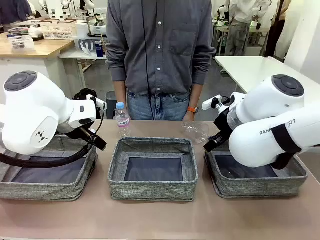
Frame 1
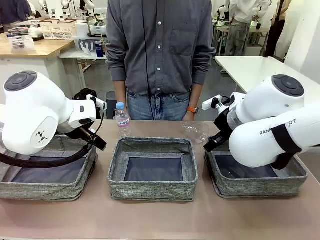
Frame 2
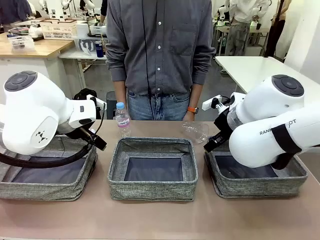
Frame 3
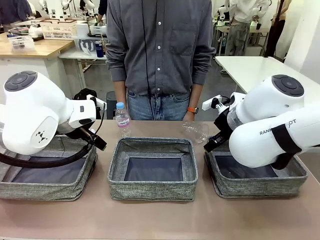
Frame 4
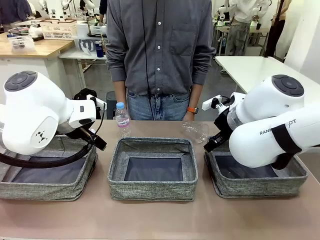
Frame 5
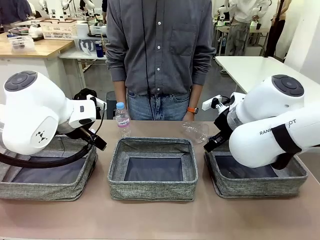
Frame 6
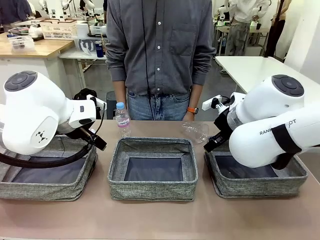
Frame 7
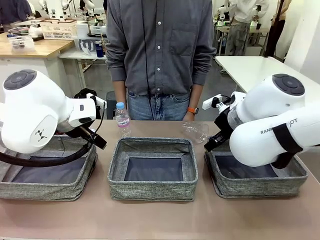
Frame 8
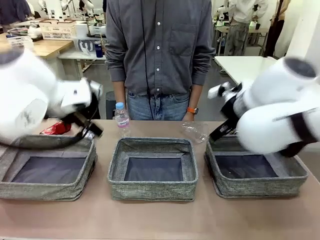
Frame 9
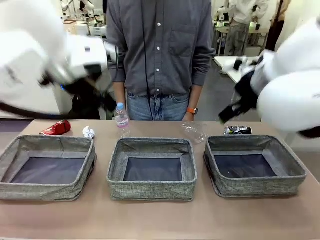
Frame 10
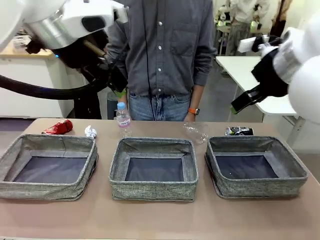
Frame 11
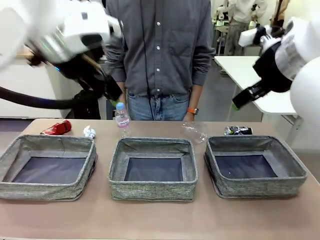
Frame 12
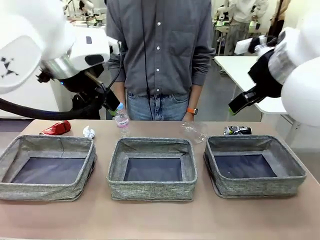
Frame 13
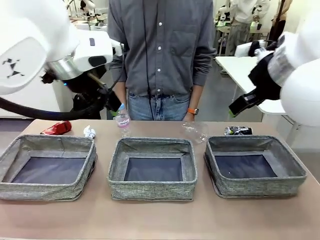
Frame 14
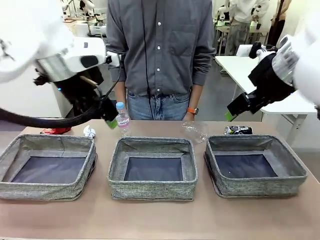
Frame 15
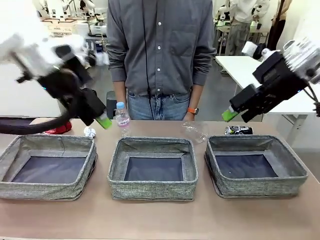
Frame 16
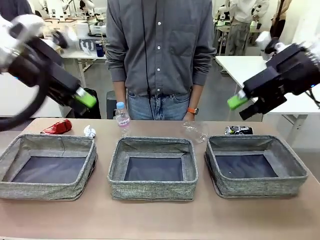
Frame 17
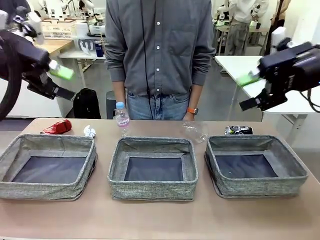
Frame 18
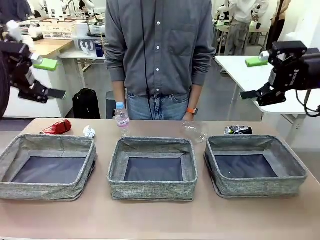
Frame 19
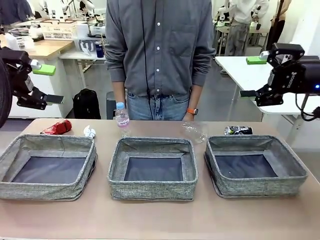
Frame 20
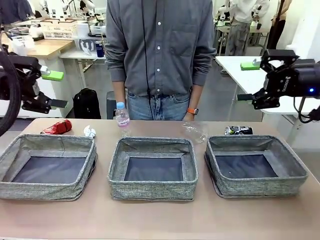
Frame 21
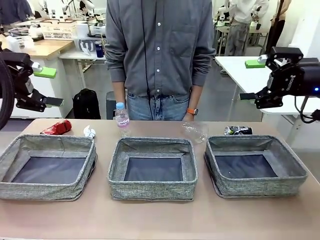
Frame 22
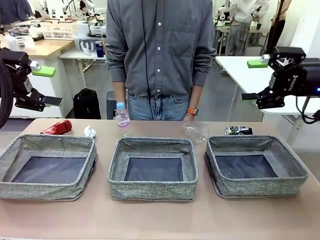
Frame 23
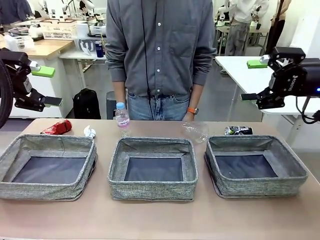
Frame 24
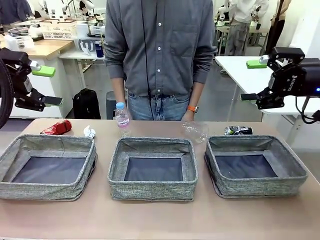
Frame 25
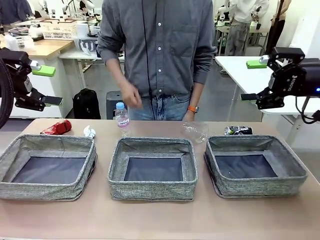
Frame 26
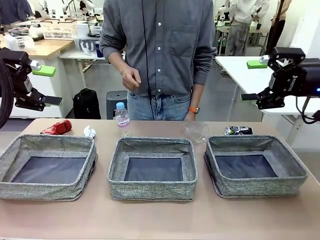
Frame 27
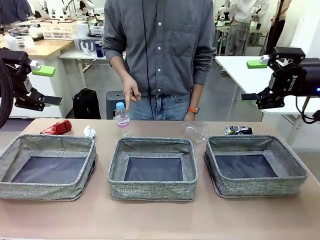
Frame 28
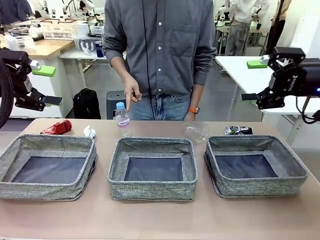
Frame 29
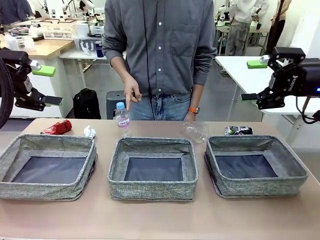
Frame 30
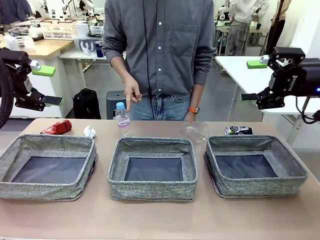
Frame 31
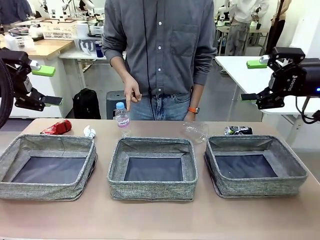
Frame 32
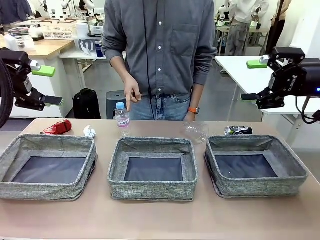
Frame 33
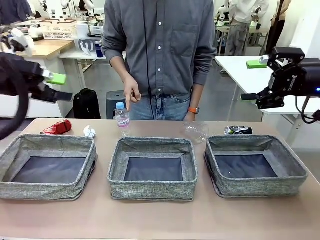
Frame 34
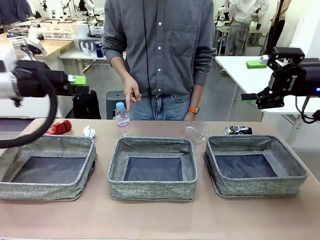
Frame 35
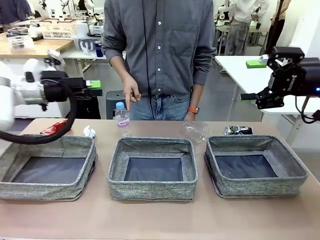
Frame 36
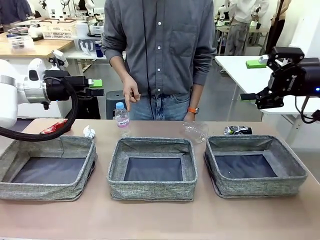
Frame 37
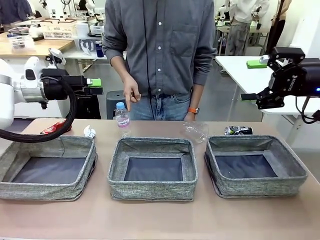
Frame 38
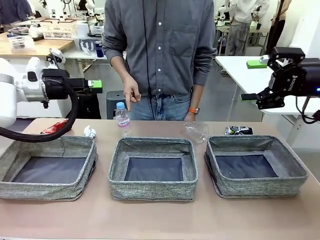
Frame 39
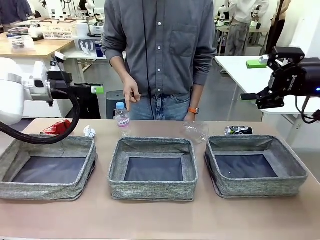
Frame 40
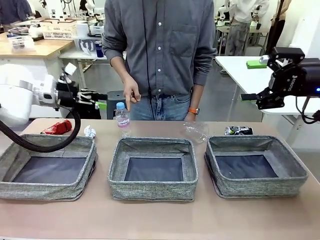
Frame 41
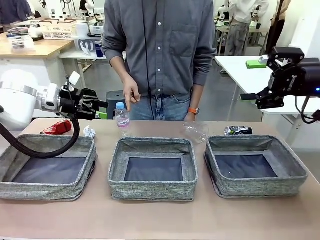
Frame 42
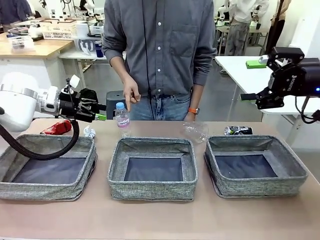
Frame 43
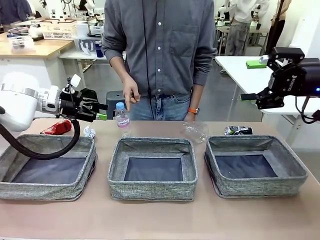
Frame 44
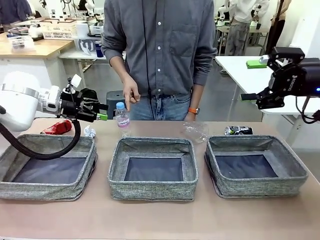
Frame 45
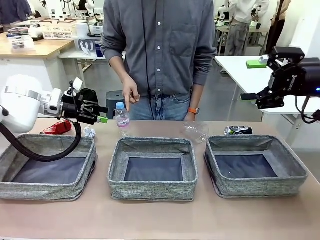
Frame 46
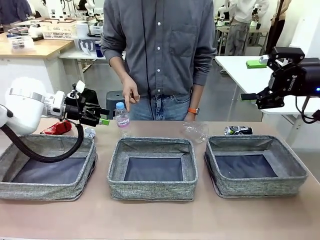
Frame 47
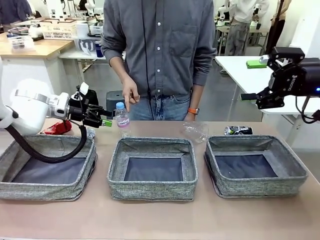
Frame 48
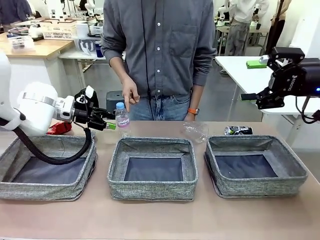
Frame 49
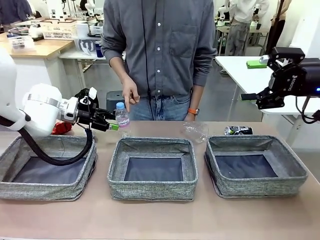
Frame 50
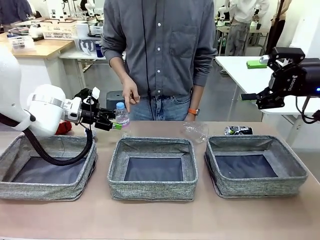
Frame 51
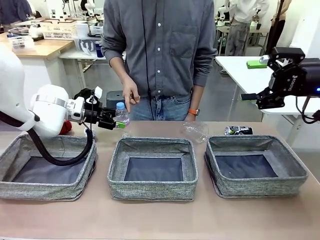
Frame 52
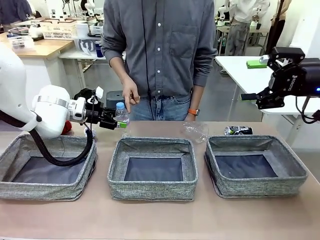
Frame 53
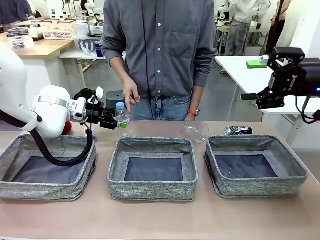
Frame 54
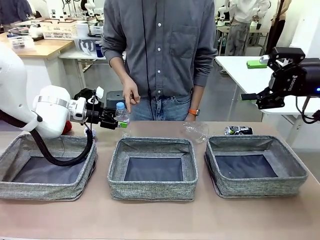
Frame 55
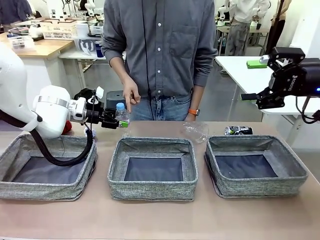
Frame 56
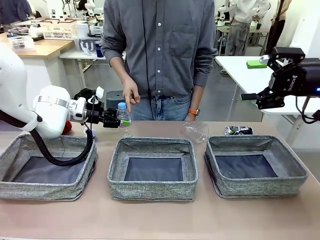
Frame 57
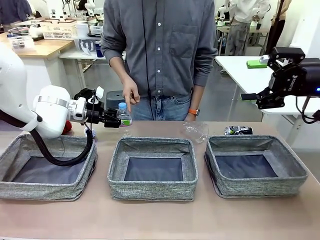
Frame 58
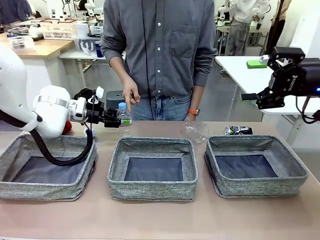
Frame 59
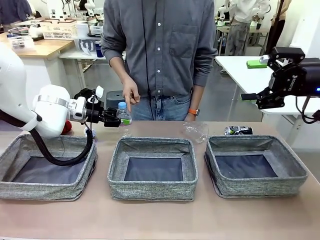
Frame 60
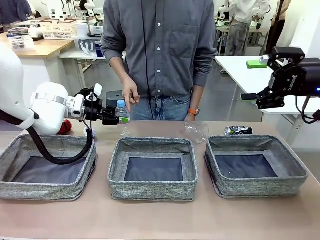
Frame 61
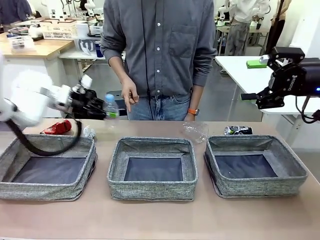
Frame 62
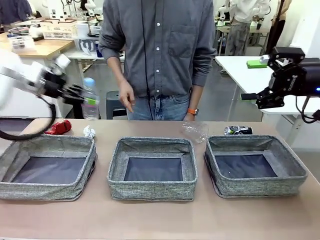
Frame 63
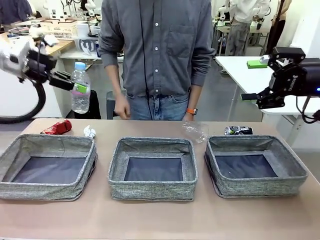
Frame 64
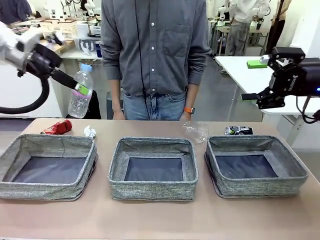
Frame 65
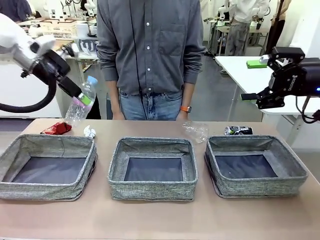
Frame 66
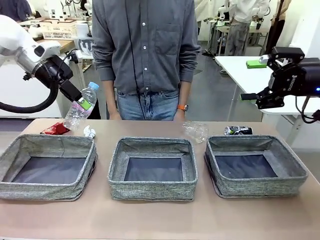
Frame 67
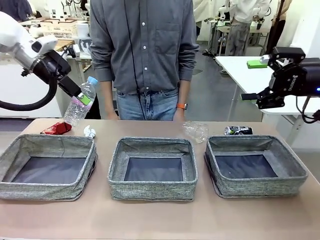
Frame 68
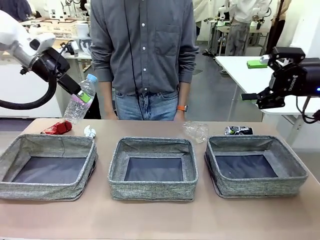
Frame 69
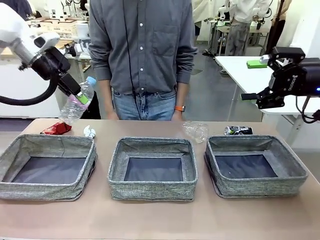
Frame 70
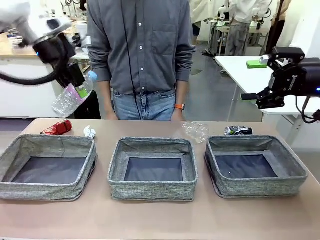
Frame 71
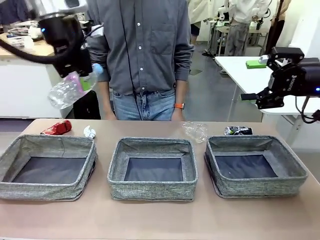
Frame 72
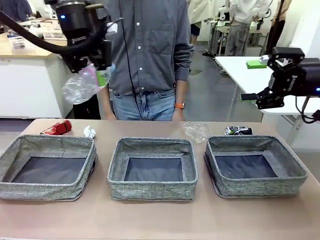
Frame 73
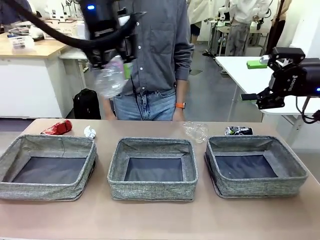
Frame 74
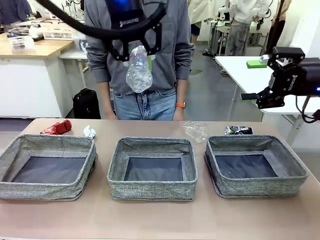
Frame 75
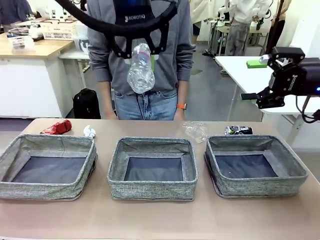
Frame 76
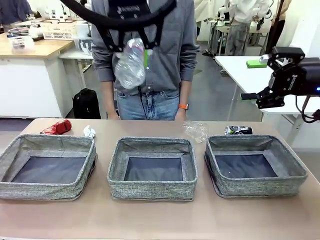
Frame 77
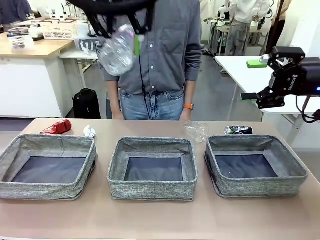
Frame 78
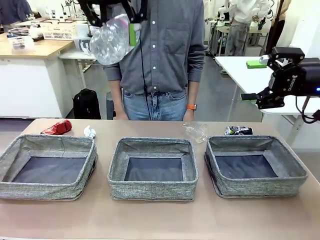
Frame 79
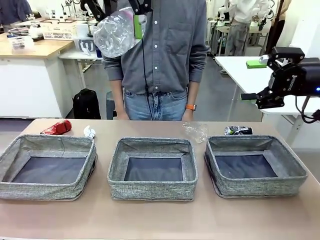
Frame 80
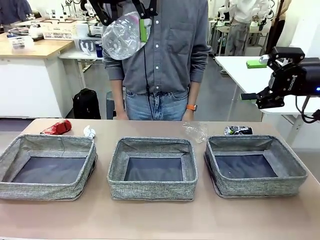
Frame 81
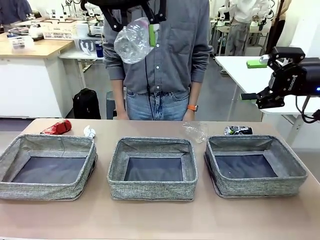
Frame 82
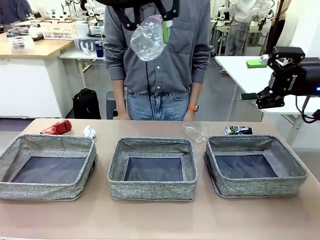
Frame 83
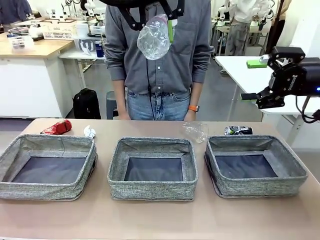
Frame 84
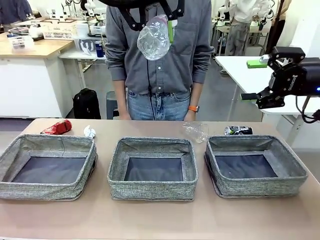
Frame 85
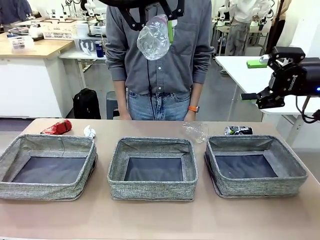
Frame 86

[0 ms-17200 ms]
Task: Sort the waste into the appropriate baskets.
Robot: Pick up the waste item pointed out by the person.
Person: Points to one piece of trash on the table.

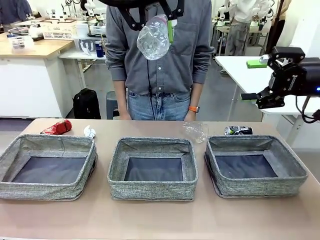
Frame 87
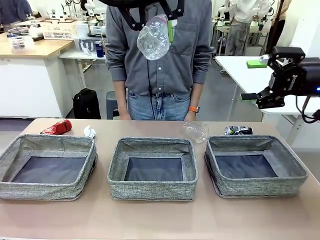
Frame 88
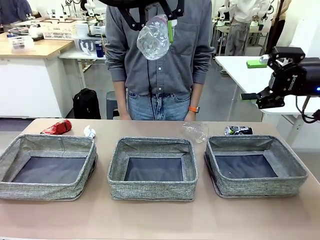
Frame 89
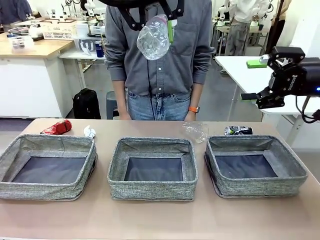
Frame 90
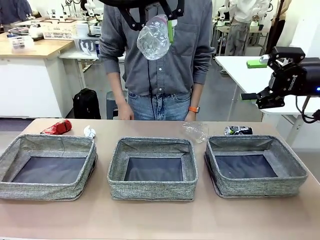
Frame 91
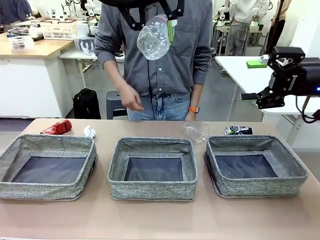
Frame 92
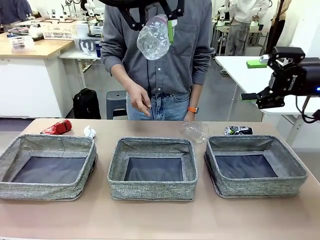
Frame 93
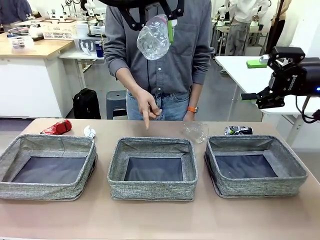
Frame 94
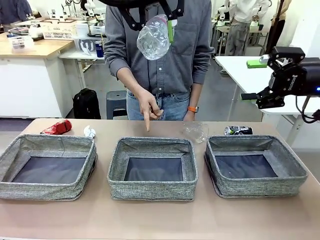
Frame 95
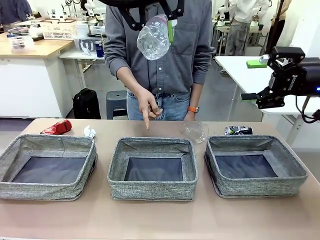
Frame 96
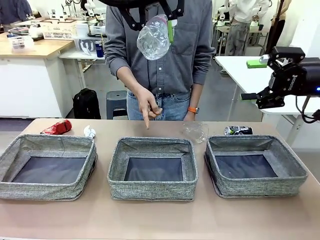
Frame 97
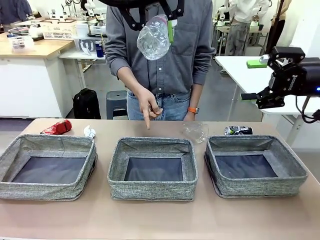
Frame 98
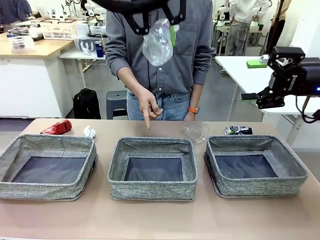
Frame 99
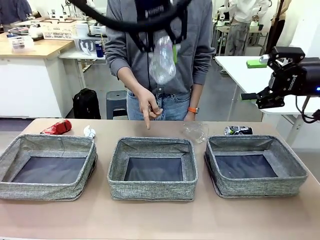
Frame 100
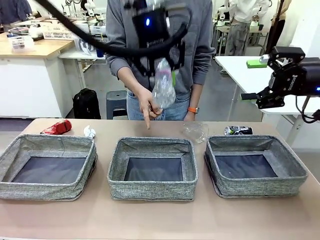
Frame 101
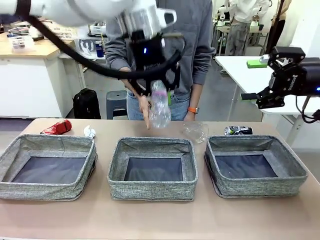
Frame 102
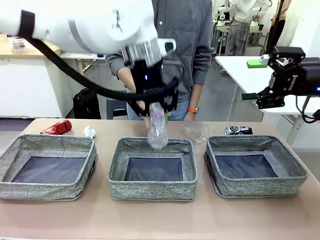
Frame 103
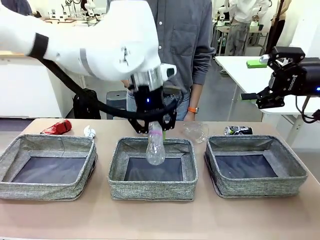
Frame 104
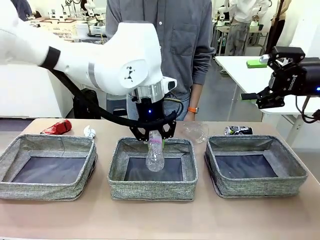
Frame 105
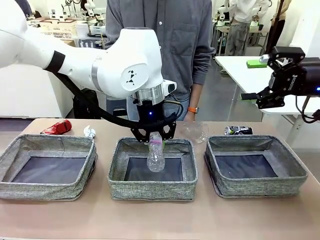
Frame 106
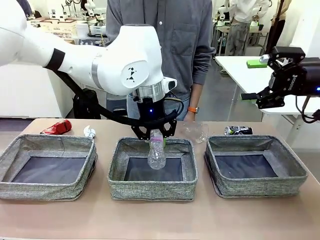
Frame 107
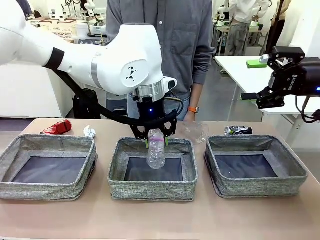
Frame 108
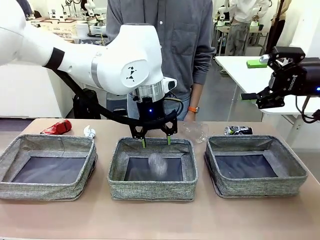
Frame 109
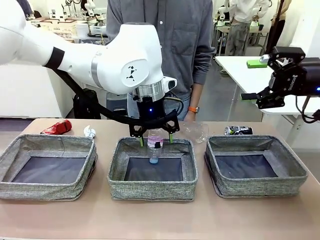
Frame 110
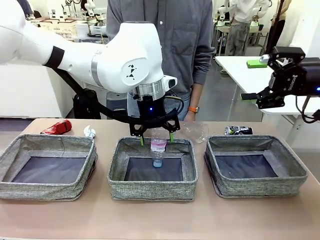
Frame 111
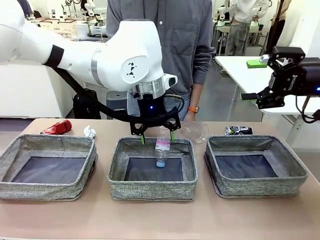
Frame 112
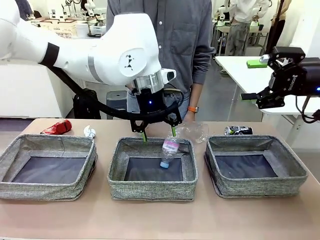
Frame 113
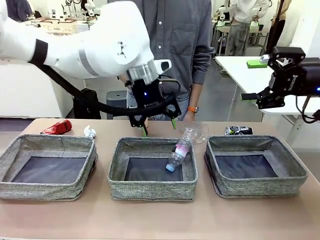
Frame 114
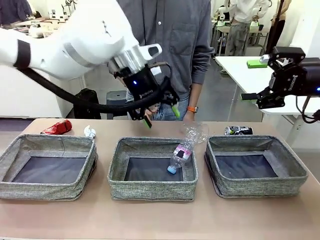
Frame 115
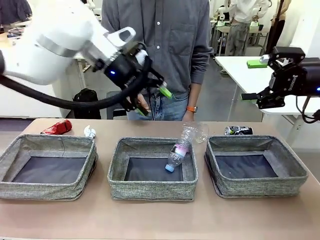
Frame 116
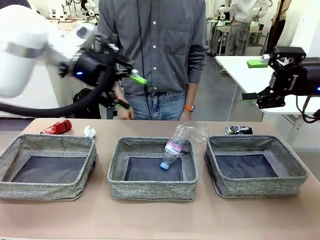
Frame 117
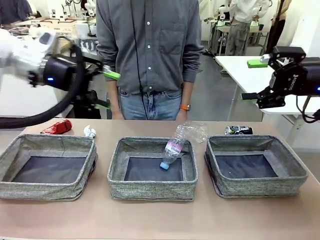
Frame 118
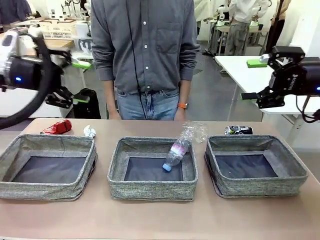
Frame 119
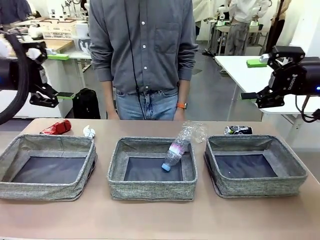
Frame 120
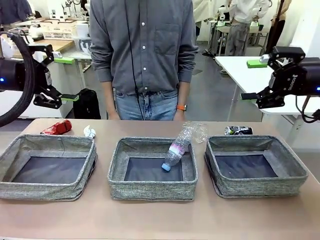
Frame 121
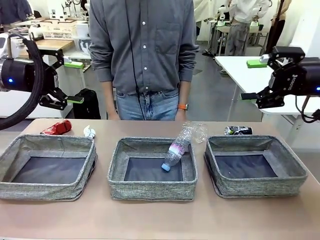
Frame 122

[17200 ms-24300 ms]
Robot: Place the picked waste into the Fabric basket indicated by the person.
Person: Instructs the robot to place the picked-up trash into the appropriate organizing basket.
